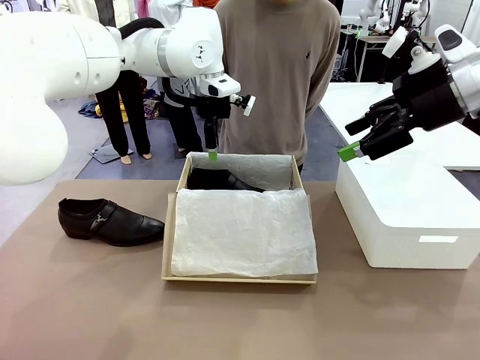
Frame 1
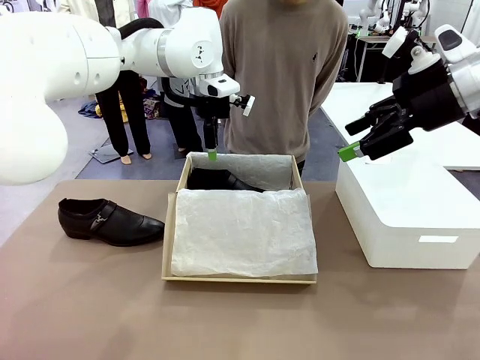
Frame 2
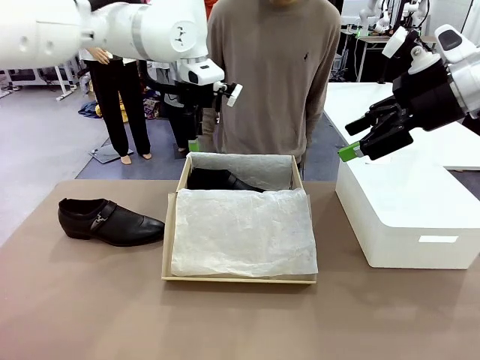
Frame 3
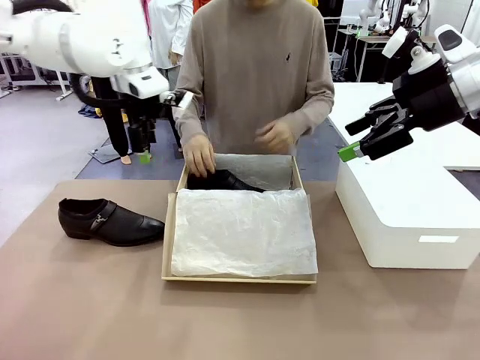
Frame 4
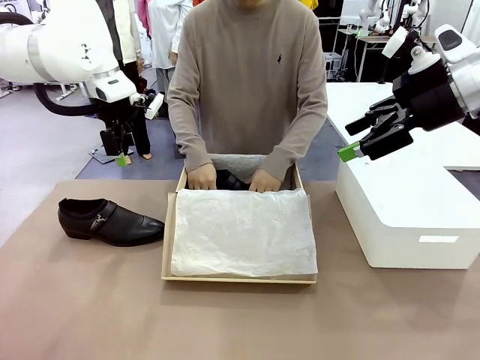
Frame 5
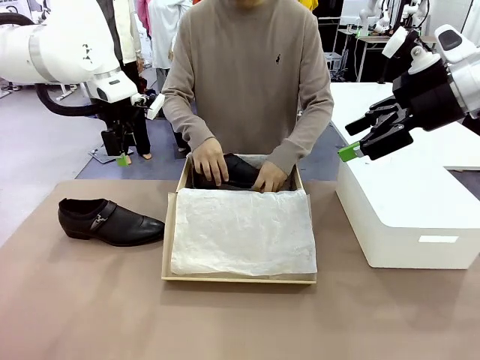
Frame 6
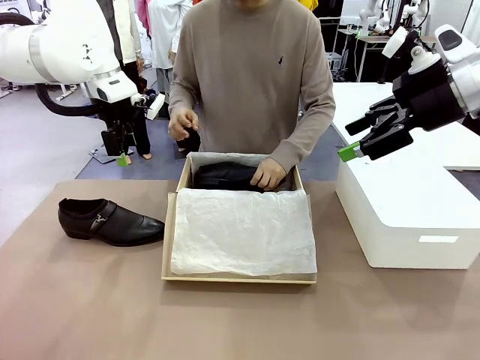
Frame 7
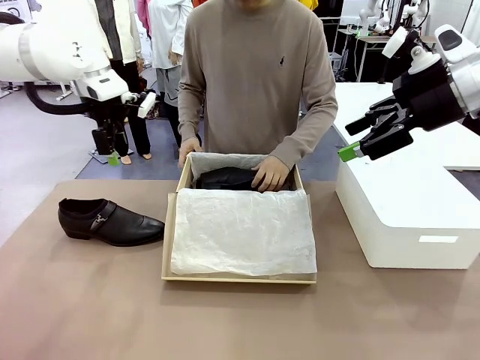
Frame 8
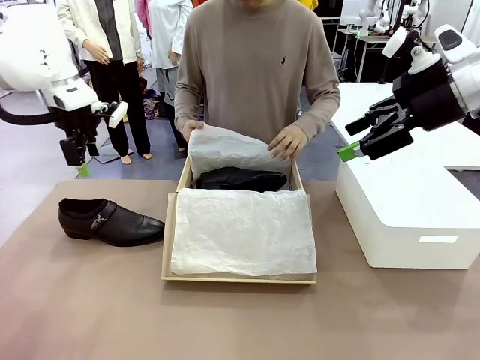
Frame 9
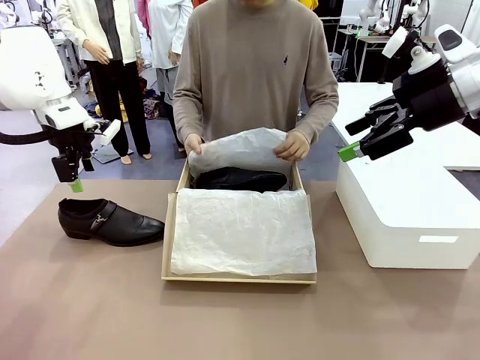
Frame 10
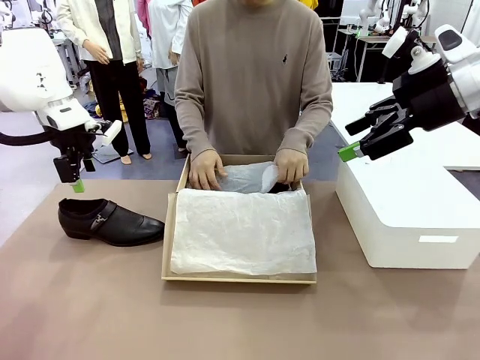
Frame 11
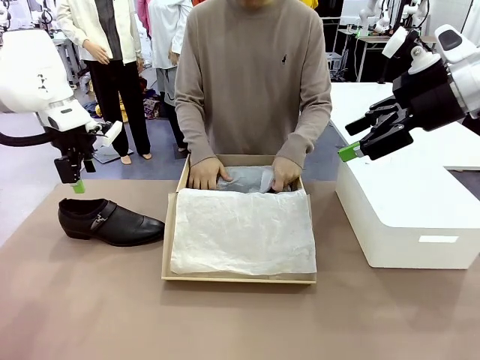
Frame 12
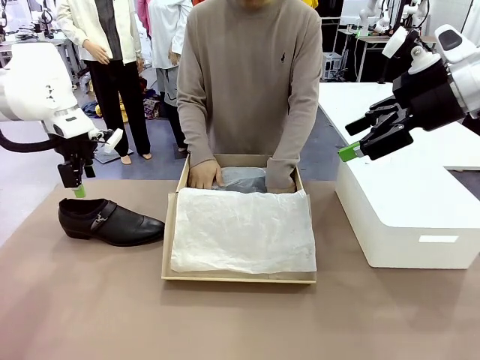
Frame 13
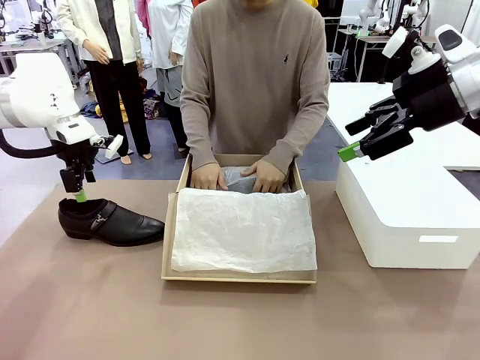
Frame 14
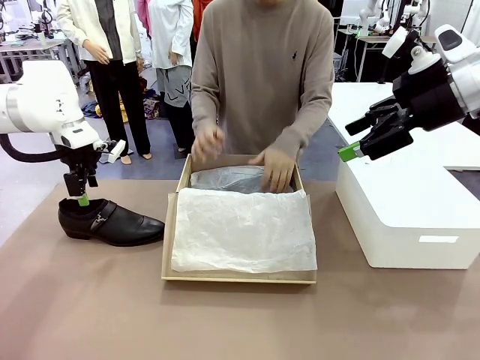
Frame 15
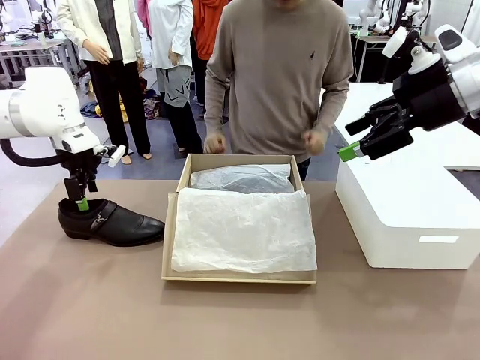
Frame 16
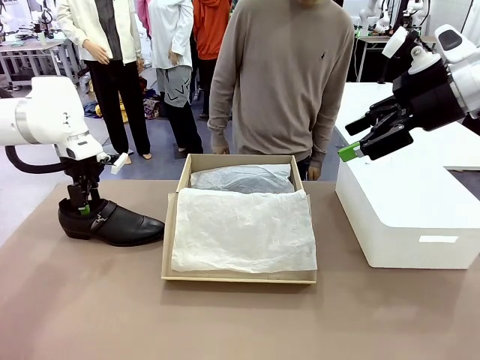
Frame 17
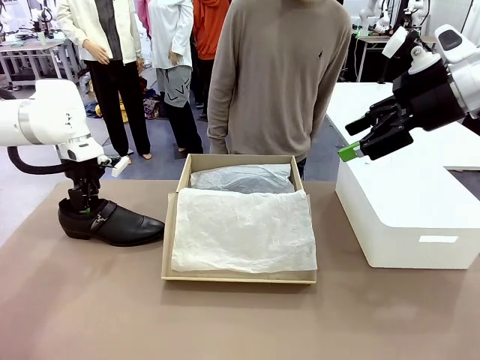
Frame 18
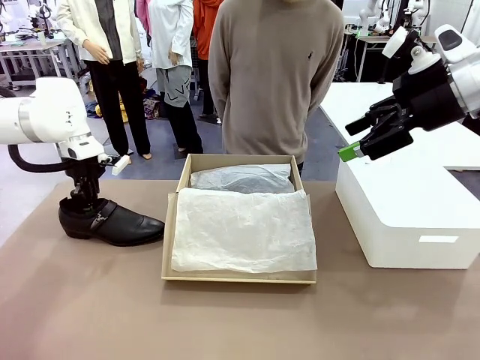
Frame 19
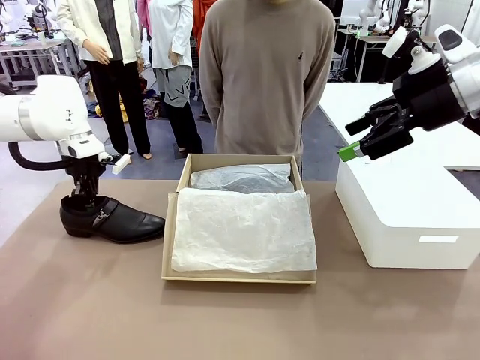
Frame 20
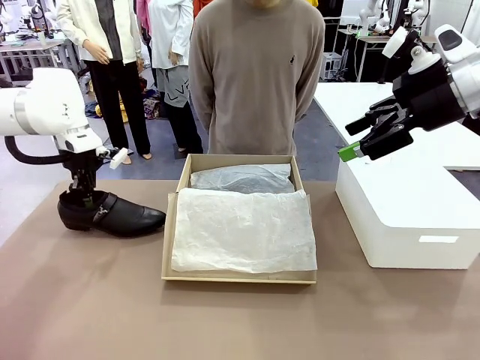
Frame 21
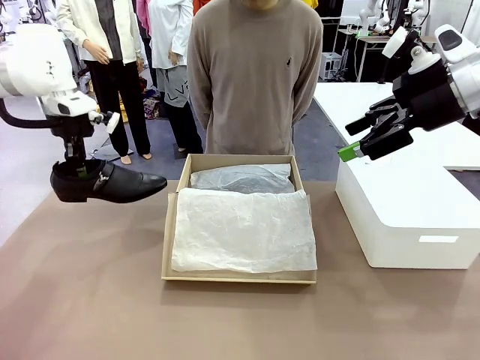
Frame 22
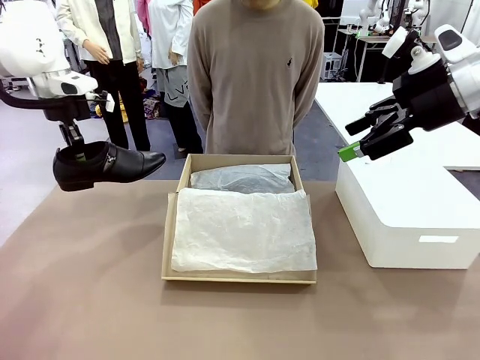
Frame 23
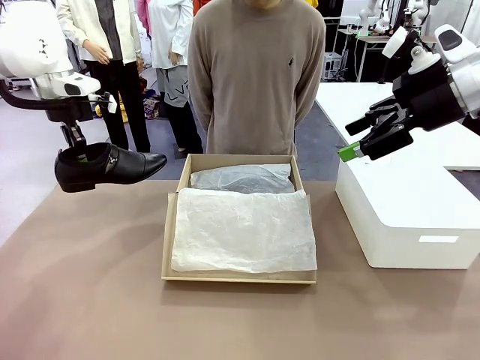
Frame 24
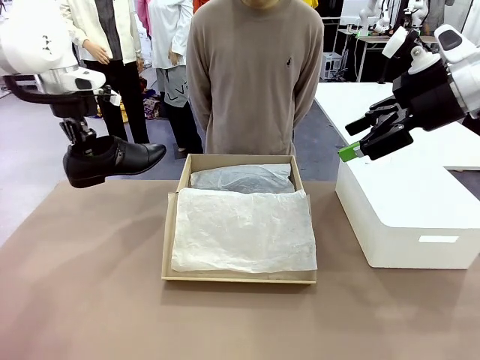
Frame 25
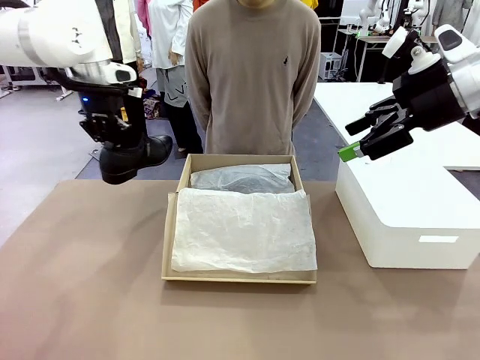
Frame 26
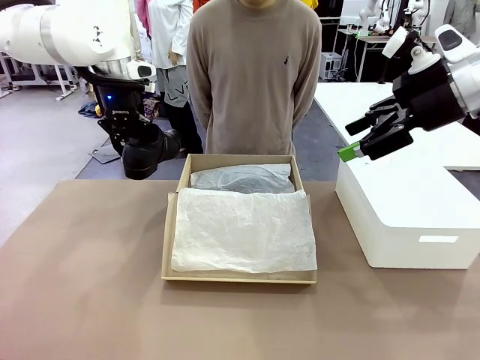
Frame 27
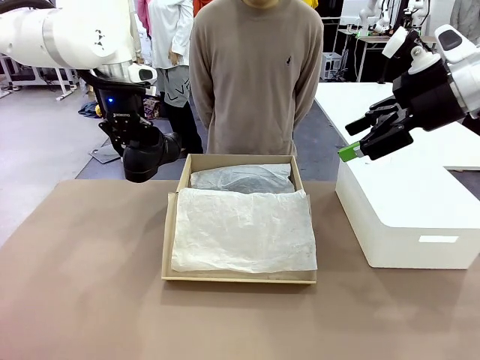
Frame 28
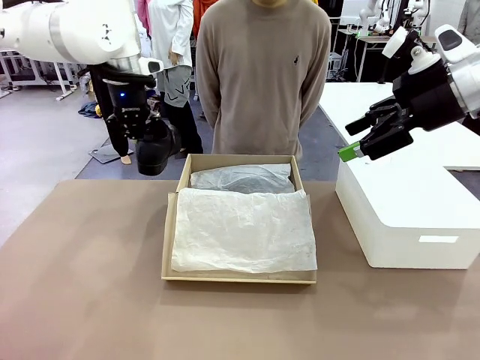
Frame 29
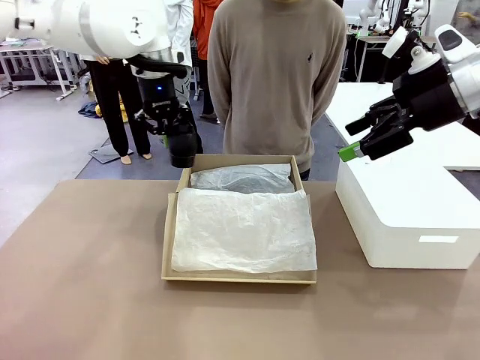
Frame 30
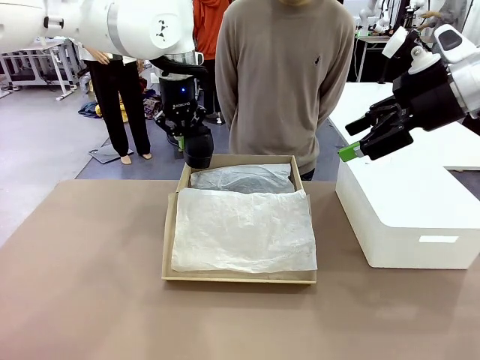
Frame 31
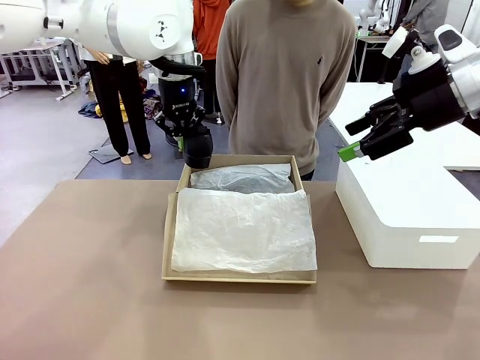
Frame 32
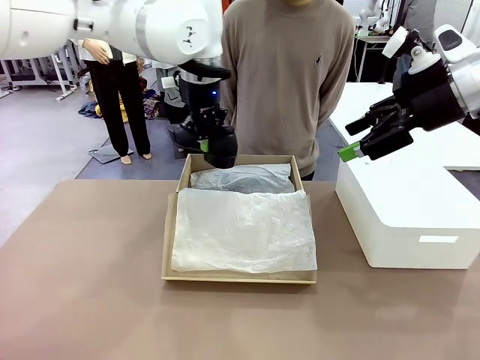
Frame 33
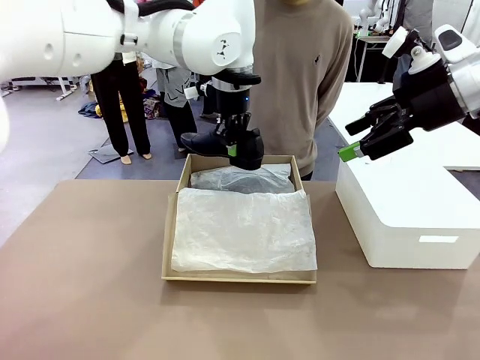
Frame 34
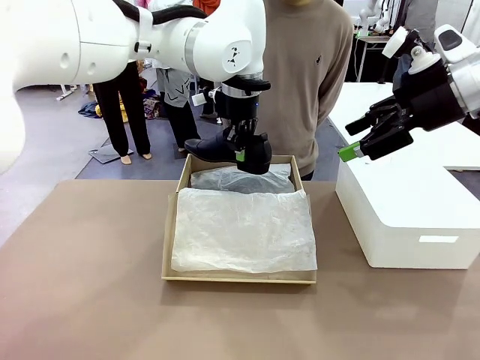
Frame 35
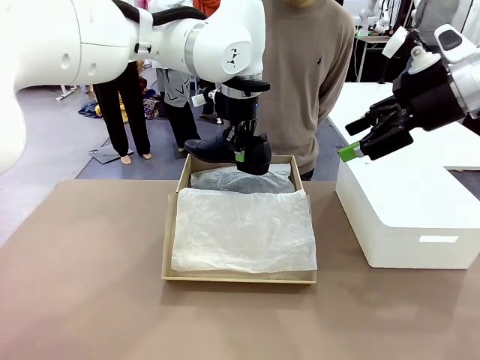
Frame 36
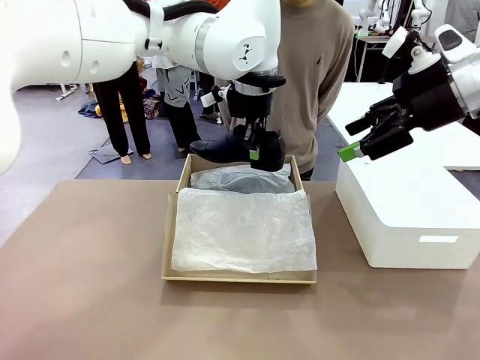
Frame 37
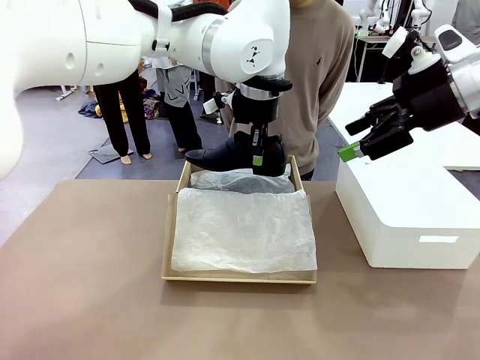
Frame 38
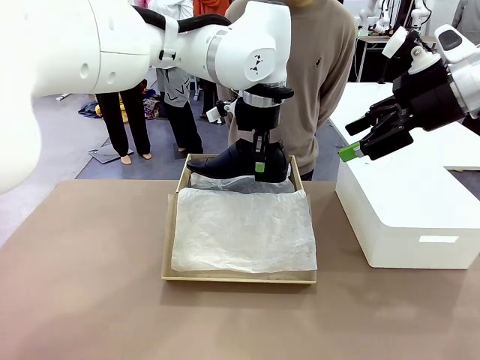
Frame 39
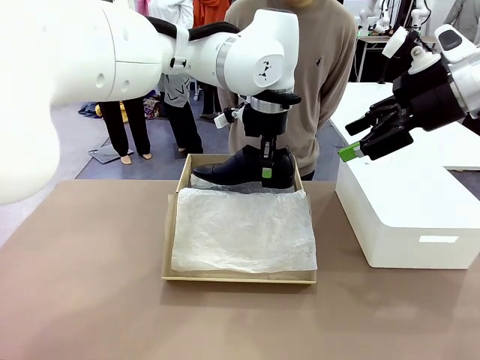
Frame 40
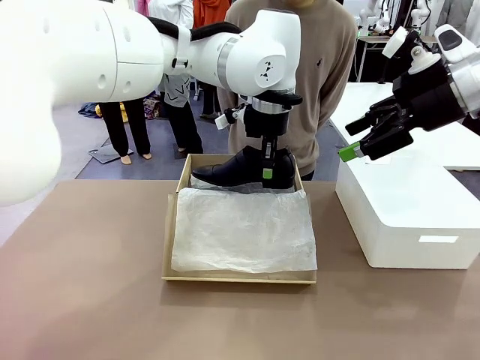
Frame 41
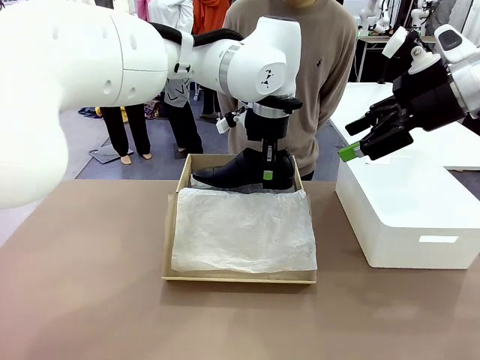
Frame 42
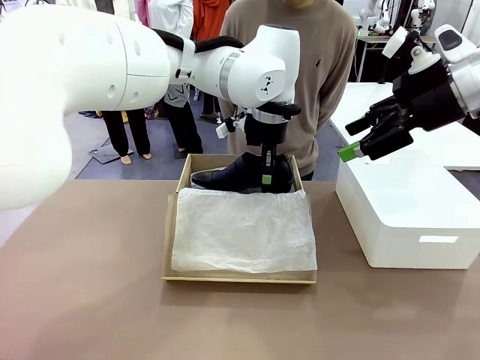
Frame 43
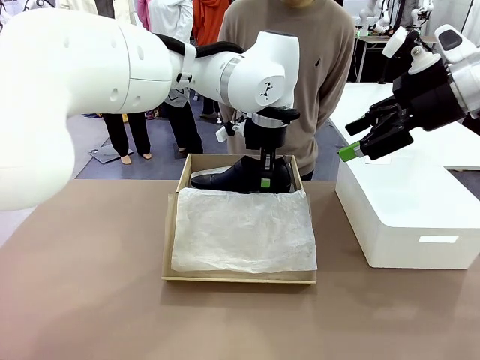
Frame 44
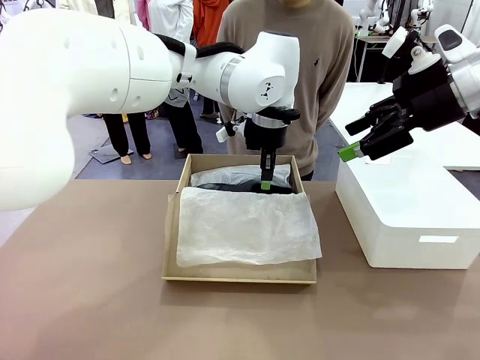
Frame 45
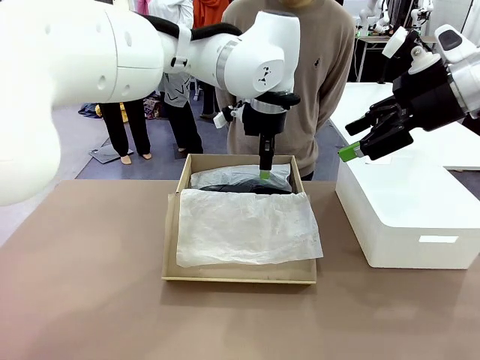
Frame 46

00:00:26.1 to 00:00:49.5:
Task: Pack the shoes into the box.
Robot: Place the other shoe of the Shoes into the Shoes Box.
Person: Pack a shoe of Shoes inside the Shoes Box with Shoes Wrapping Paper.

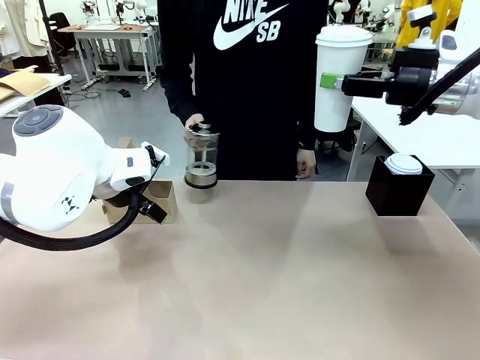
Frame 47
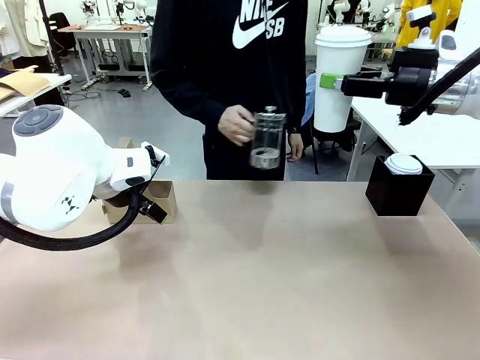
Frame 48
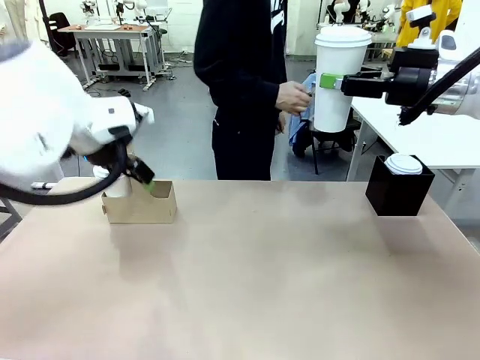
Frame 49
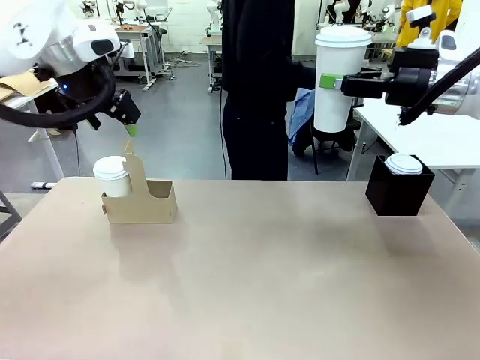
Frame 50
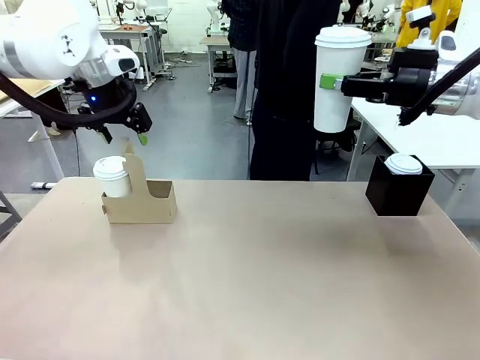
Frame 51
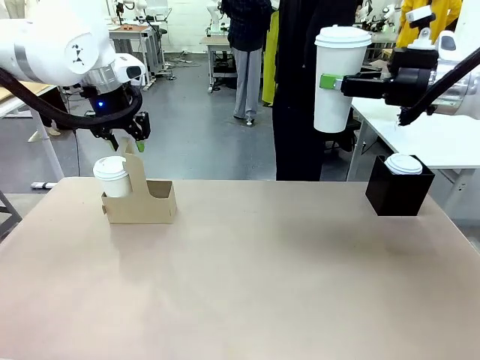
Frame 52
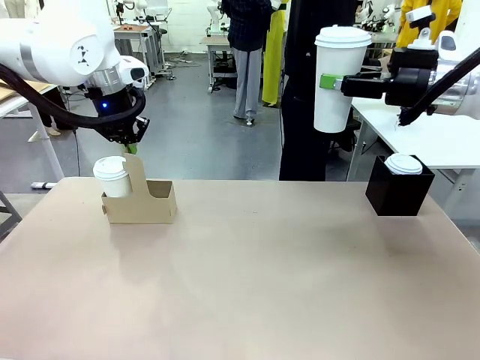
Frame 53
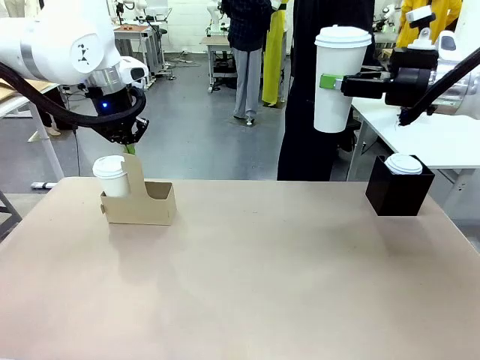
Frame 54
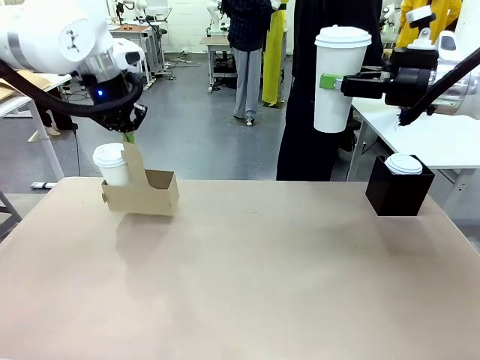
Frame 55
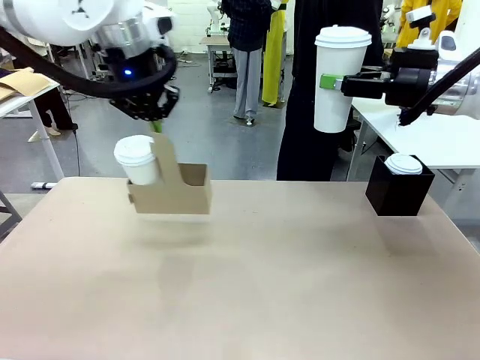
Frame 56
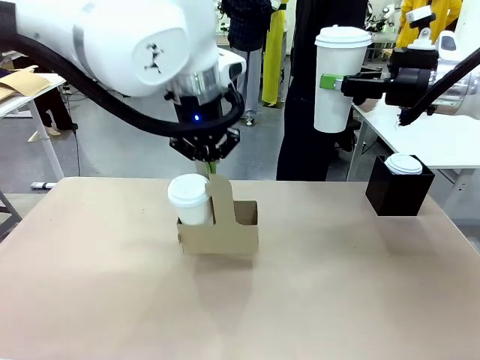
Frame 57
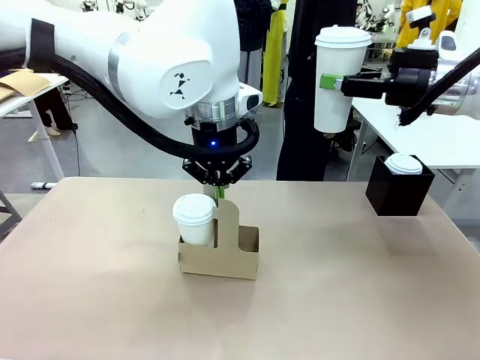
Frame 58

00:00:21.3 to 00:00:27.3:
Task: Pour a drink into a cup and package it in a carrier.
Robot: Position the Cup Carrier in the center of the table.
